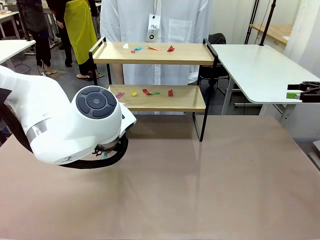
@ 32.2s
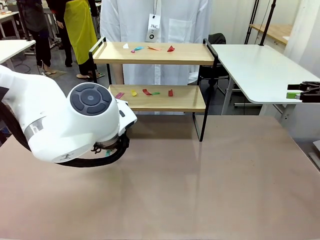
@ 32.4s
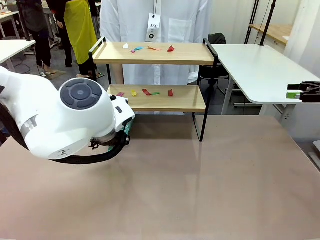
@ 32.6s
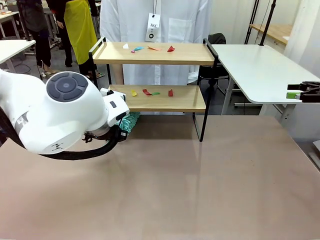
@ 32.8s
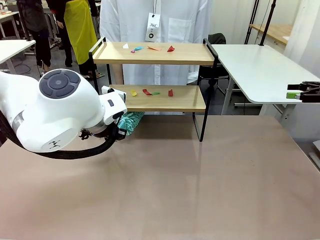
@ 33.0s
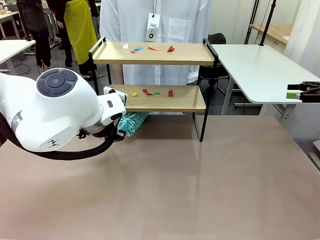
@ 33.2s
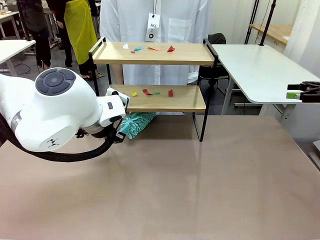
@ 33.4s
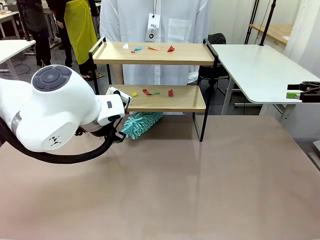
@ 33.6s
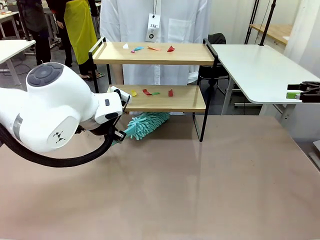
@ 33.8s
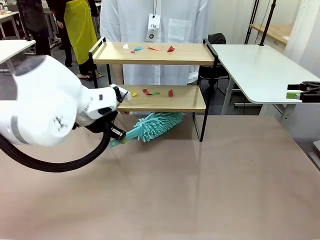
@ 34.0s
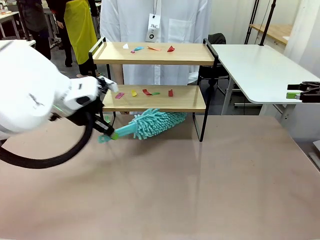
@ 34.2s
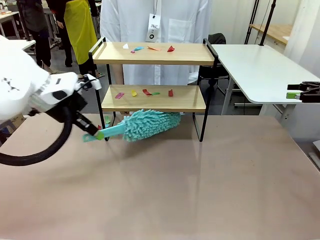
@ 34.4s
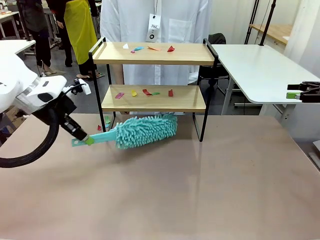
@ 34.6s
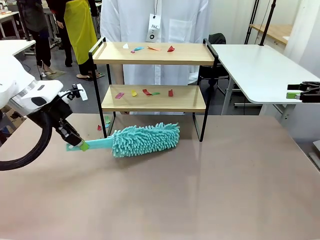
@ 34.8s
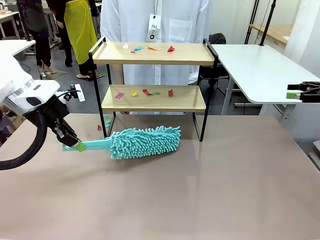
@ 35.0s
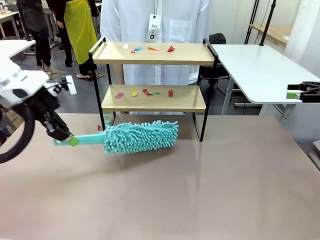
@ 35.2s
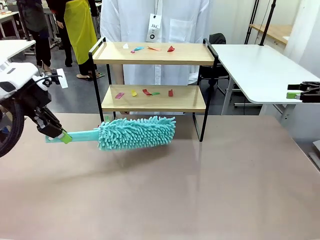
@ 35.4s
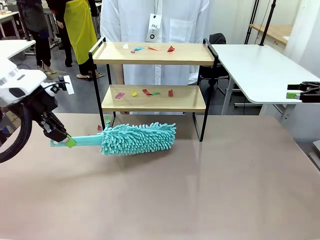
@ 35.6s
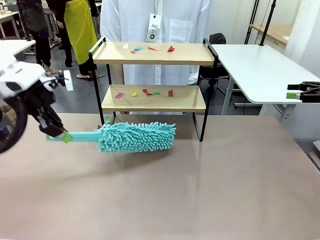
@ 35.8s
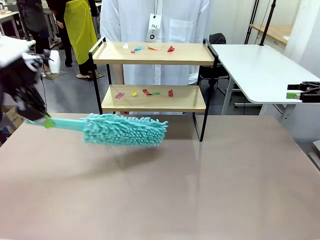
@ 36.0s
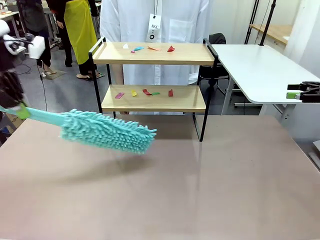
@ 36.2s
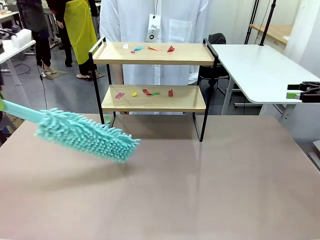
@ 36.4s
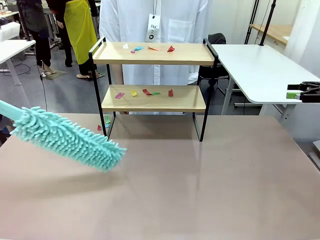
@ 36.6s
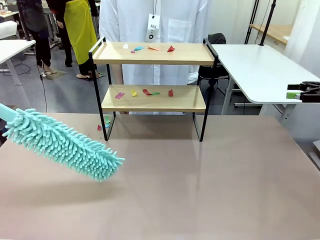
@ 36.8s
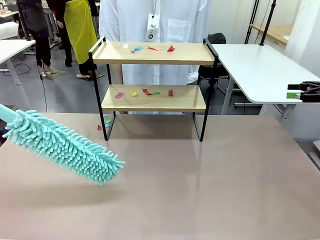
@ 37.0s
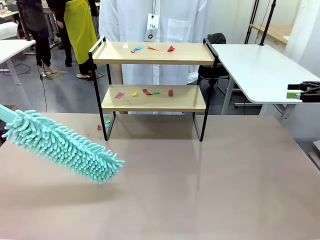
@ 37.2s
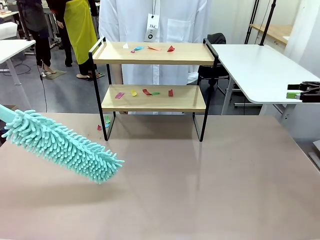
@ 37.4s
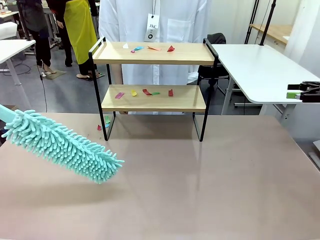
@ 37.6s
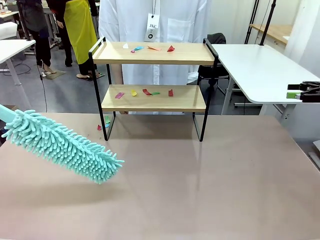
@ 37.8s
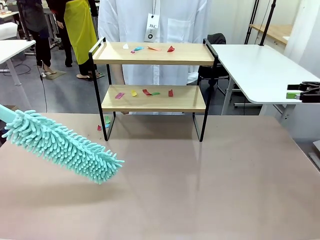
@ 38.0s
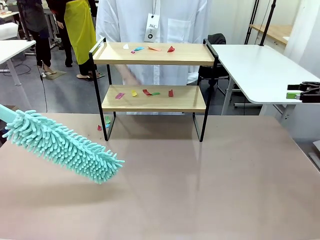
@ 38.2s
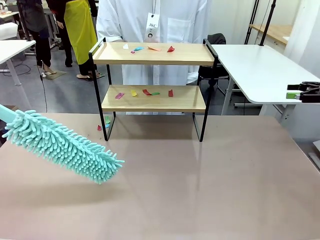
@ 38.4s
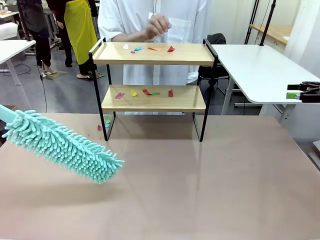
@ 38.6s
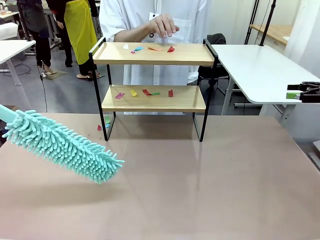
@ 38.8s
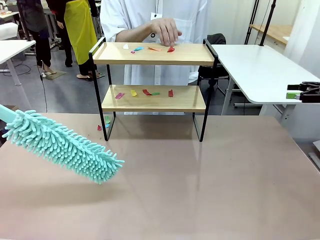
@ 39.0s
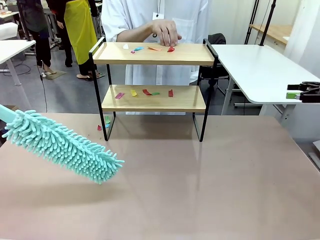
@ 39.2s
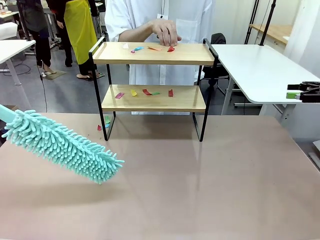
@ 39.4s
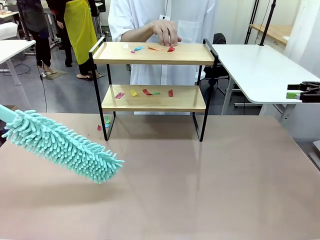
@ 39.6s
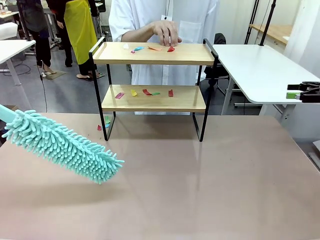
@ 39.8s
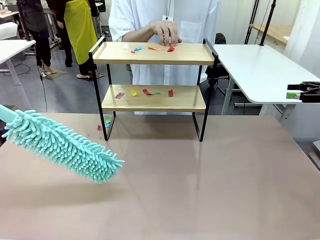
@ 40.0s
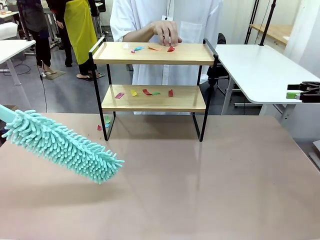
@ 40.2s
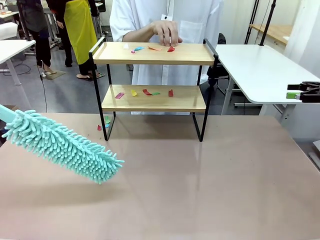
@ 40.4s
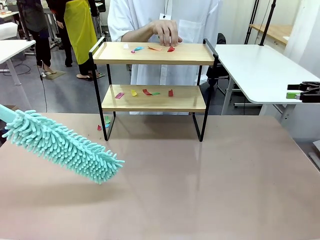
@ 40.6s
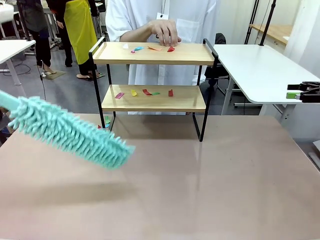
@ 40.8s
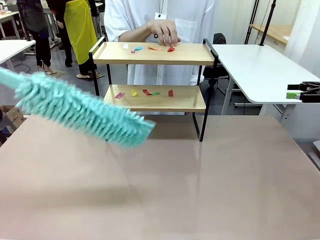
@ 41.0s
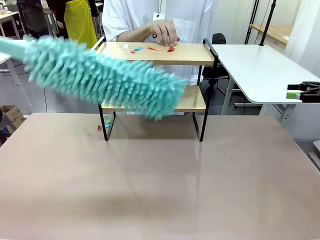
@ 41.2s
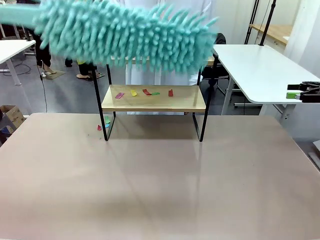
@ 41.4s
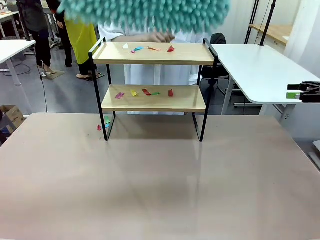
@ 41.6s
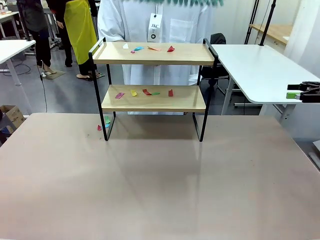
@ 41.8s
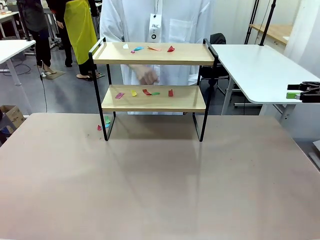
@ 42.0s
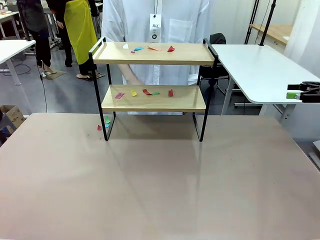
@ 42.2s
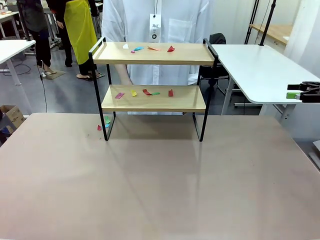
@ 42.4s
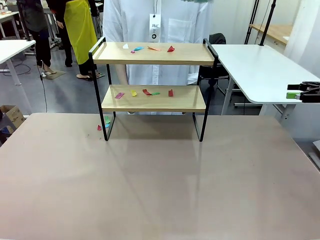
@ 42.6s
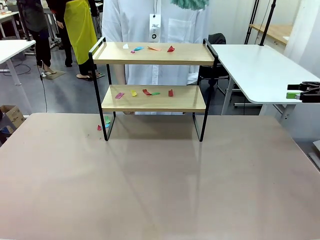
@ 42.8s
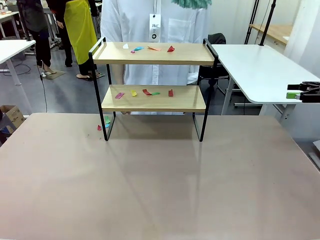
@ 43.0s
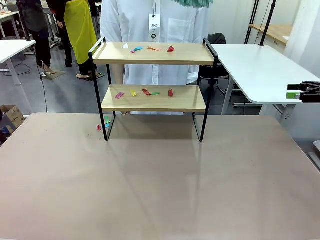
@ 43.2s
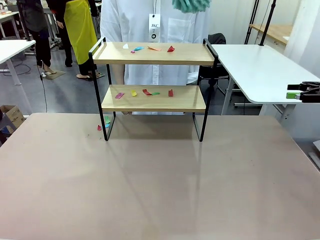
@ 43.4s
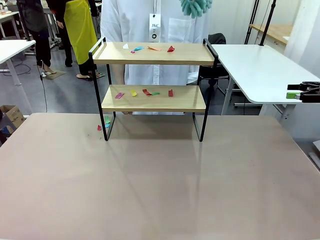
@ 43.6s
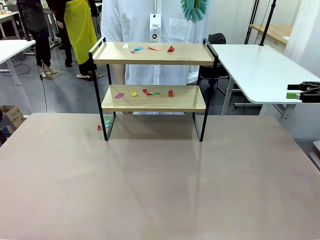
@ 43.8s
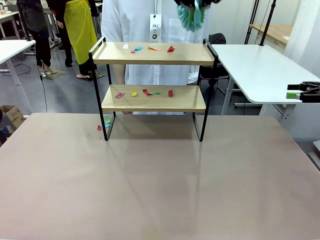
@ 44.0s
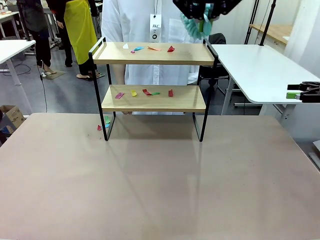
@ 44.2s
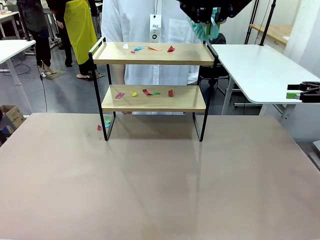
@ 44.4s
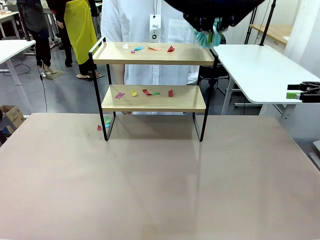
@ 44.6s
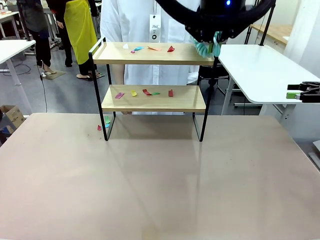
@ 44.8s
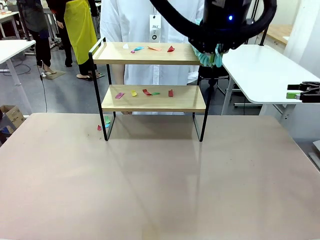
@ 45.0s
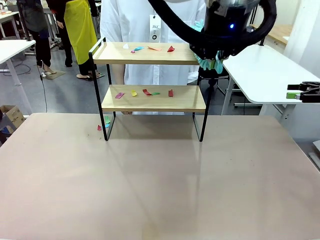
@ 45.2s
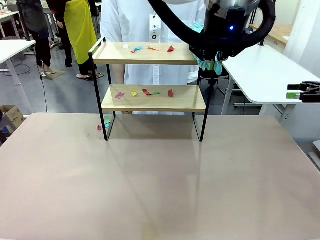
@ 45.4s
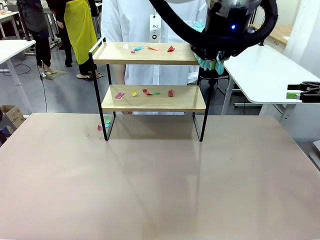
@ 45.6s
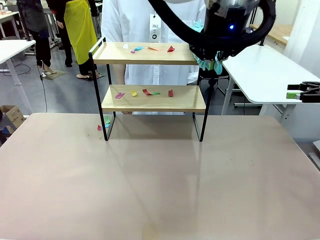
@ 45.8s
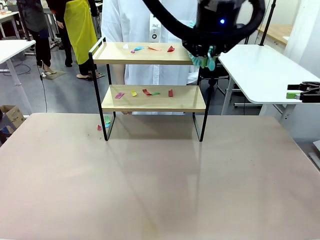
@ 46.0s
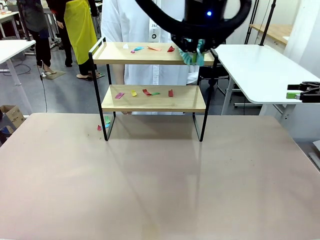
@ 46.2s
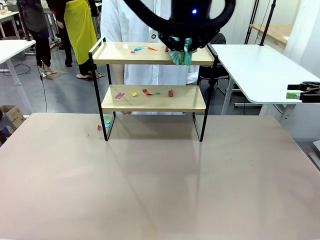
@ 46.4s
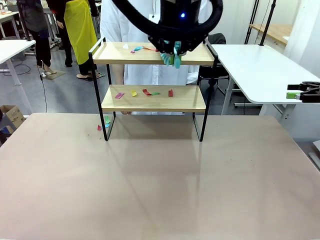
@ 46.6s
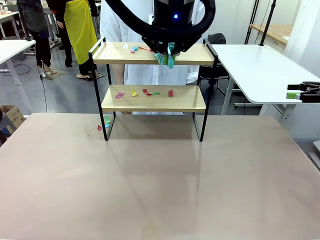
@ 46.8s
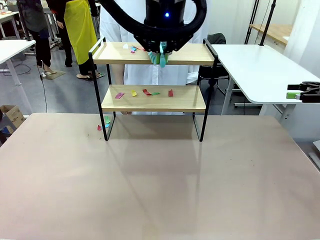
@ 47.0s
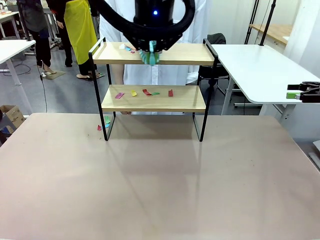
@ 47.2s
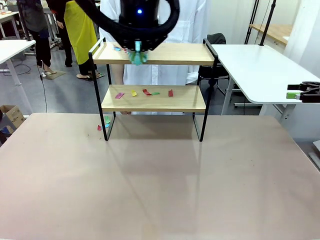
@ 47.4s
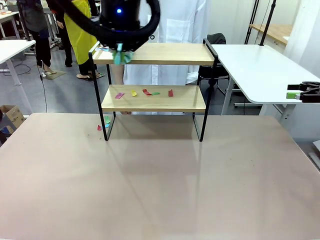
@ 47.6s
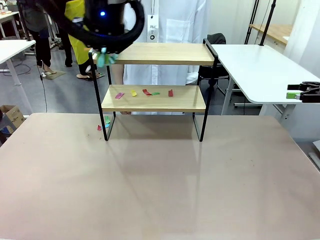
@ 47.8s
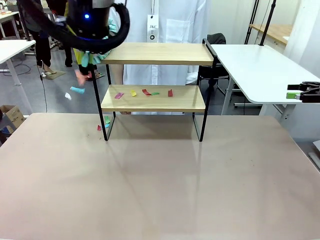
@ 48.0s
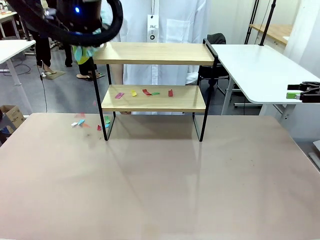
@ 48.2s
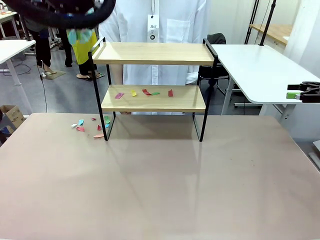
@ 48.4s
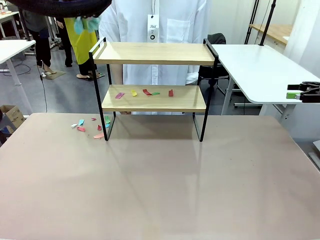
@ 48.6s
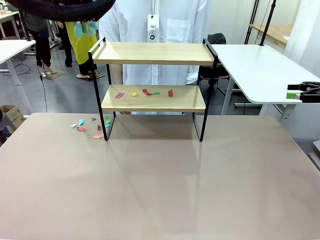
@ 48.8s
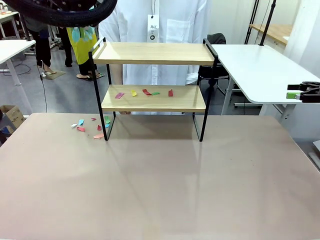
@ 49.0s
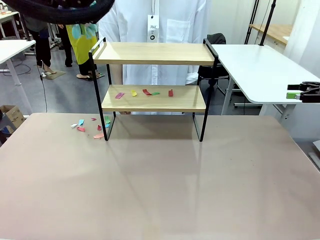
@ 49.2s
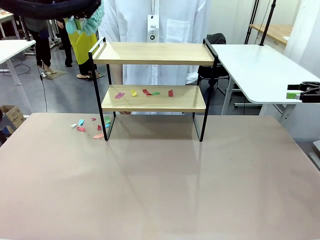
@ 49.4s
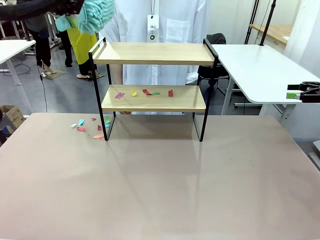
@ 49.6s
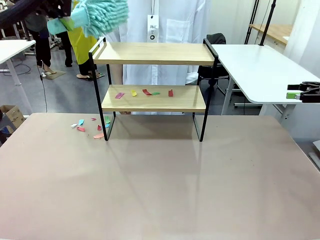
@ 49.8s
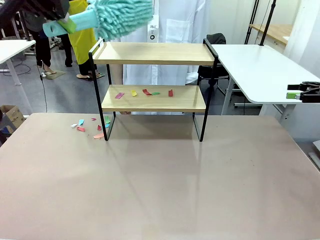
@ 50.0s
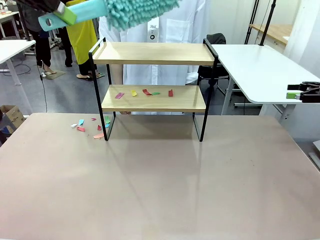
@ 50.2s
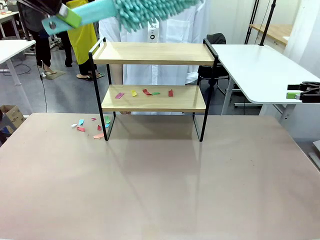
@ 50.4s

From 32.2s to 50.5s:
Task: Clean the shelf.
Robot: Clean the specific section of the Shelf indicated by the human with the Duster.
Person: Point a remaining section of the Shelf.
